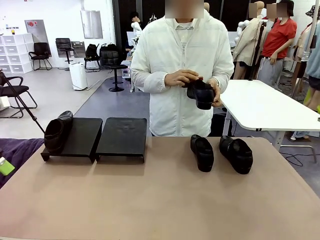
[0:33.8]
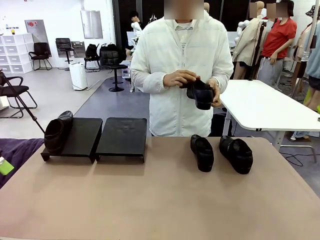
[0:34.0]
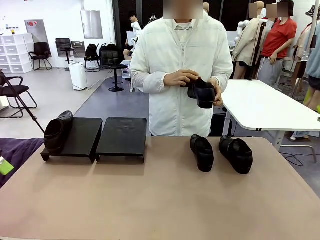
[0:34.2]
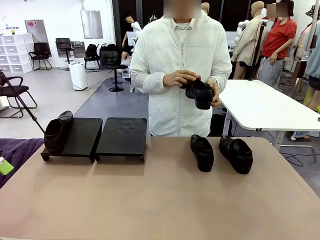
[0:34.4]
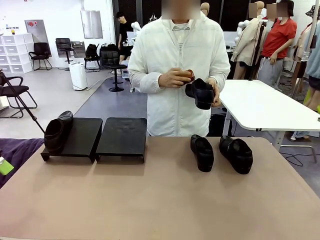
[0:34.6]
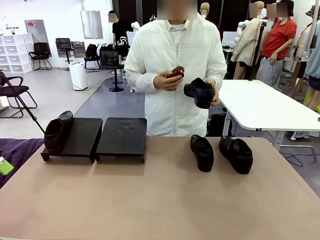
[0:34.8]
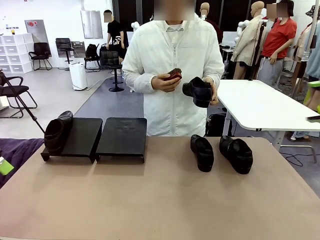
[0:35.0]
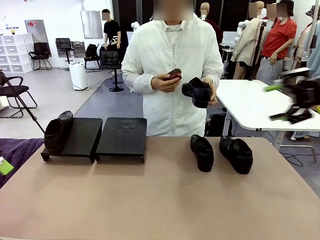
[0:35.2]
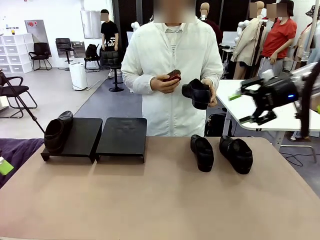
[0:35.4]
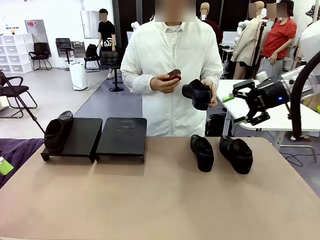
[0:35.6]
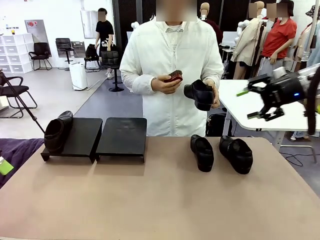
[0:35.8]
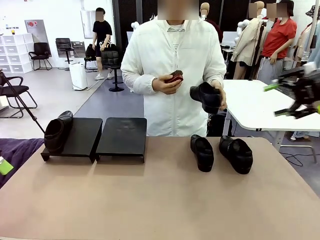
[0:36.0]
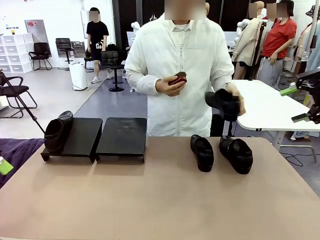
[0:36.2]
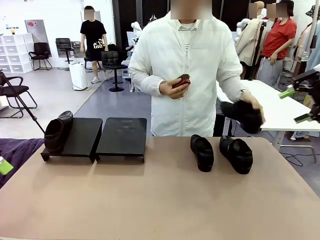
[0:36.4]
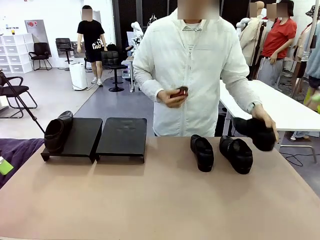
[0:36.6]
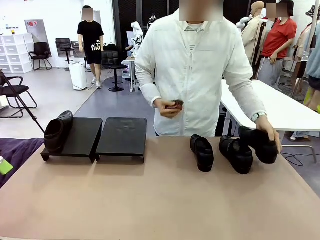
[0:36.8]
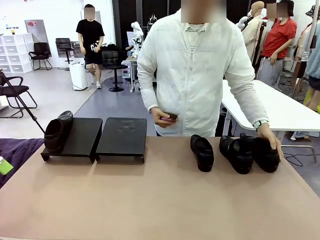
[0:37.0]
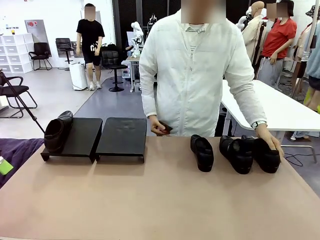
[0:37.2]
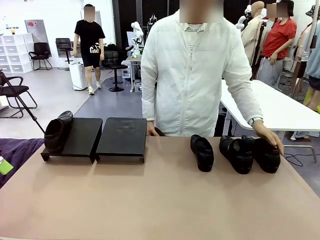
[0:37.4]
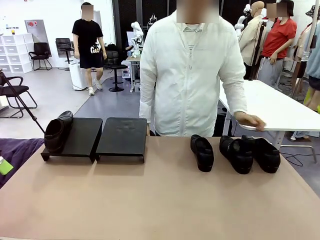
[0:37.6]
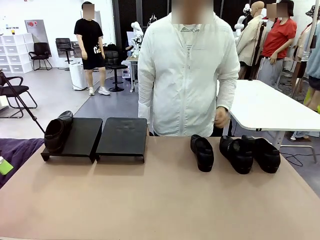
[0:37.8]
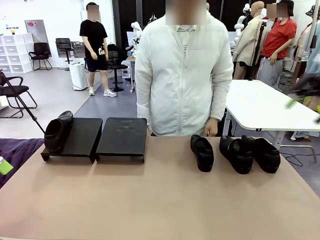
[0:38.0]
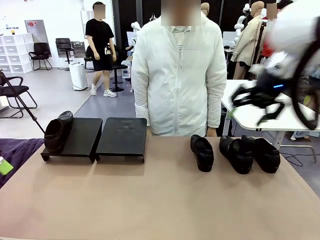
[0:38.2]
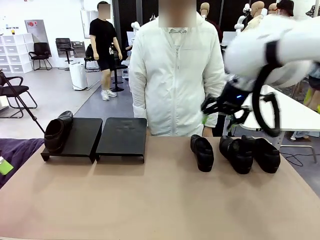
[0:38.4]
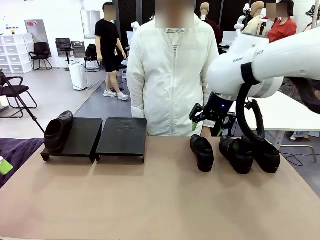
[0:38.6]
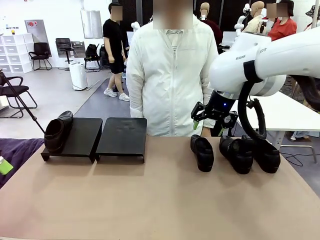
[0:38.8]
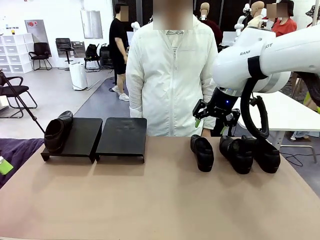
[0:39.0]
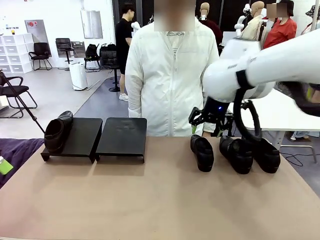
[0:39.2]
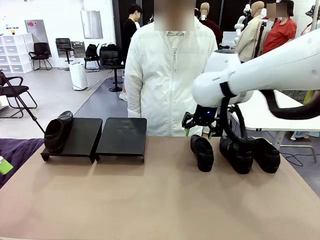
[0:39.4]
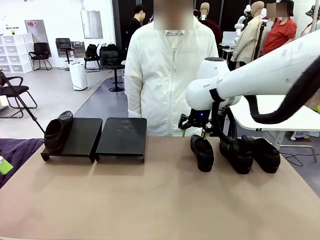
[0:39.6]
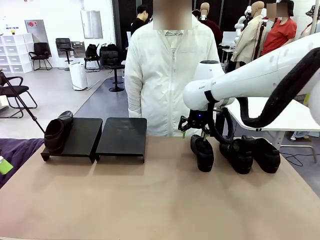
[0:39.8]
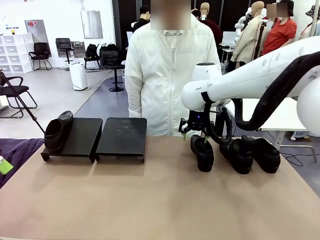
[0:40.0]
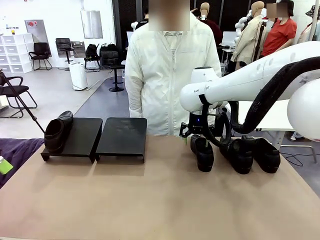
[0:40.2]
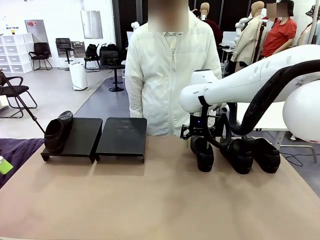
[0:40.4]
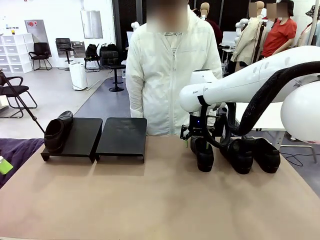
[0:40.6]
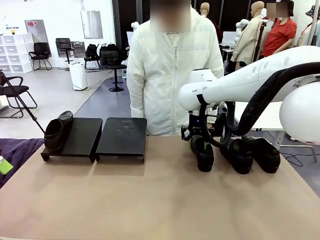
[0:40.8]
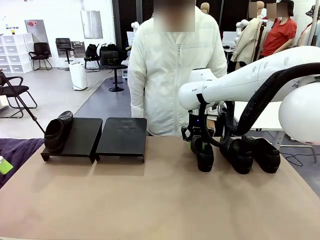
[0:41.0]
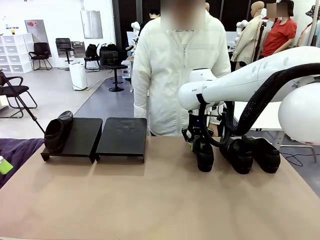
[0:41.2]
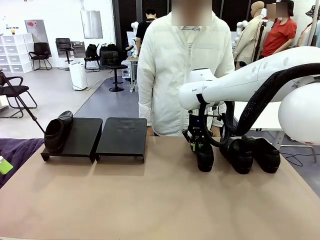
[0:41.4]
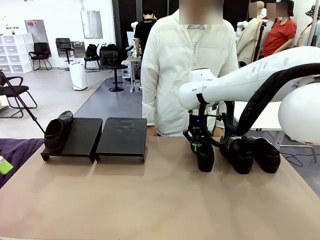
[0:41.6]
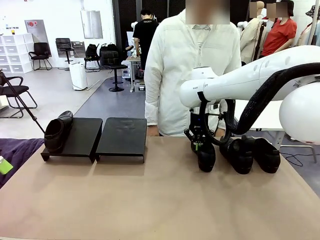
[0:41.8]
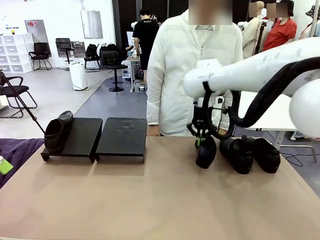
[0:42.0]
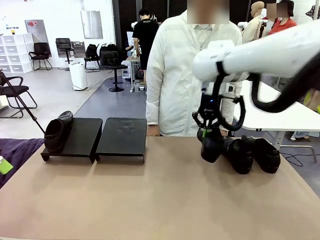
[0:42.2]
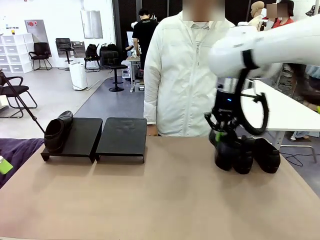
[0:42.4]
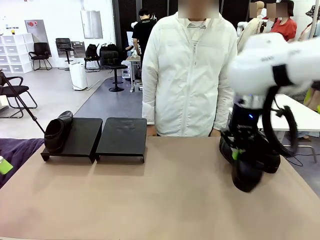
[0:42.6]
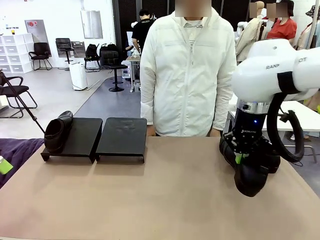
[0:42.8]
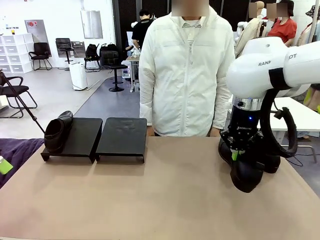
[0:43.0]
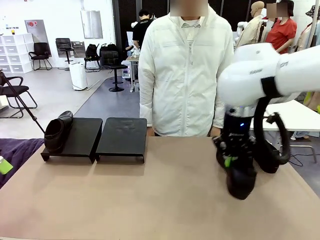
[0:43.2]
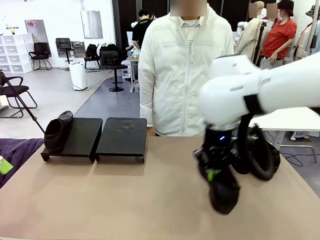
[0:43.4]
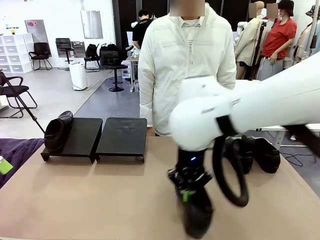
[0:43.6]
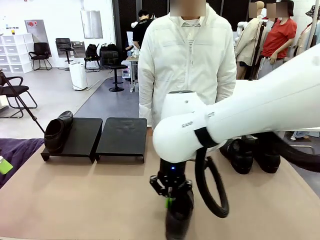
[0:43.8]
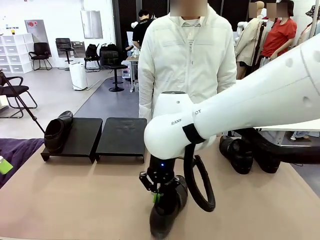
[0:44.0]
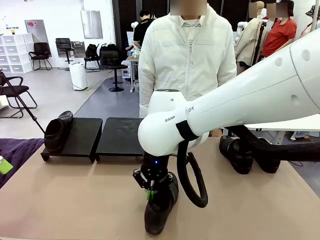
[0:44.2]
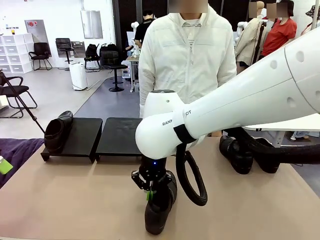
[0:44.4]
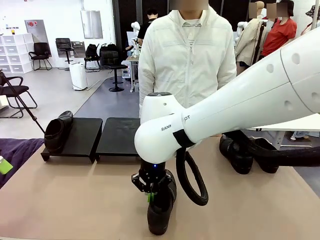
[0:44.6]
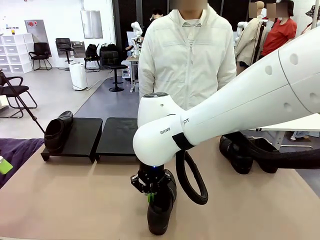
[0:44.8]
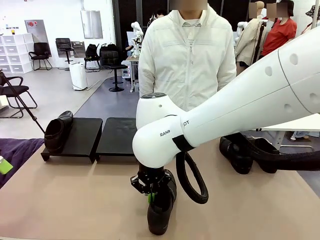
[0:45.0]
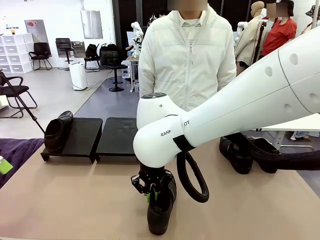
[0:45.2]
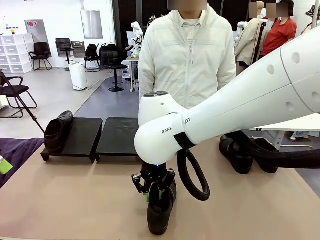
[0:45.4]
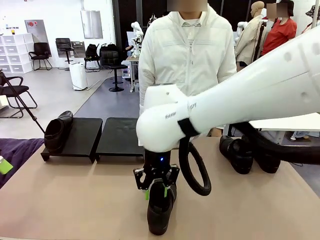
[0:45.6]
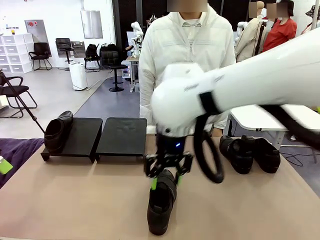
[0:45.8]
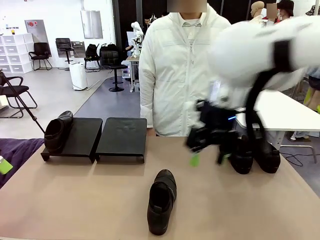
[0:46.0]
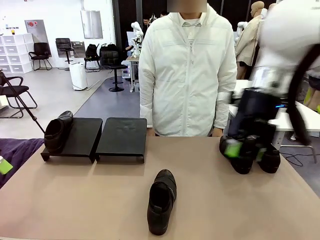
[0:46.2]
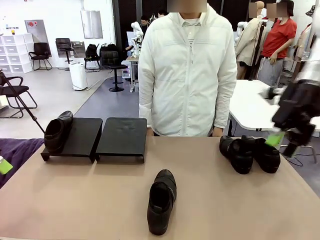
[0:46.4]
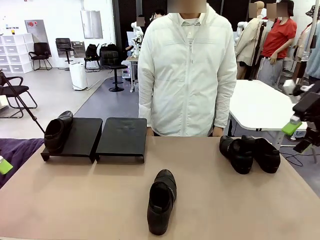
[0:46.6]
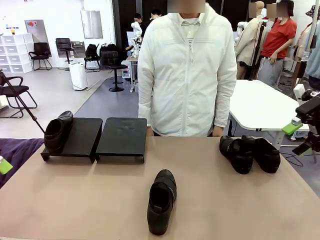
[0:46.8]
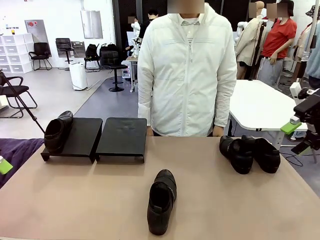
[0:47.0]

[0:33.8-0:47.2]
Task: Organize the shoes by placing them on the stand.
Robot: Pick up one Shoe and place it in the middle of the table.

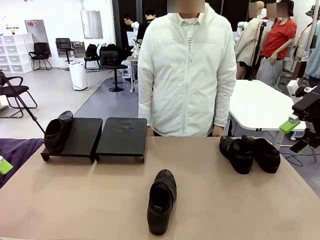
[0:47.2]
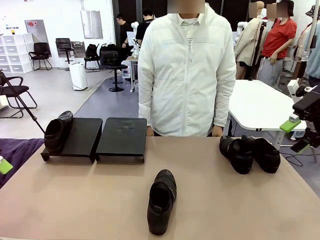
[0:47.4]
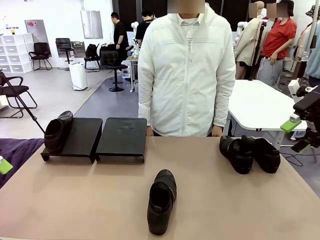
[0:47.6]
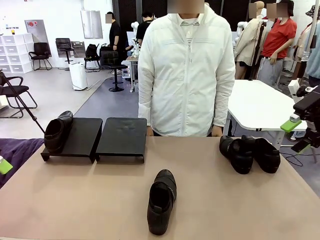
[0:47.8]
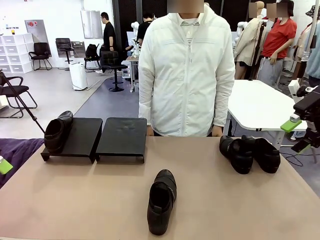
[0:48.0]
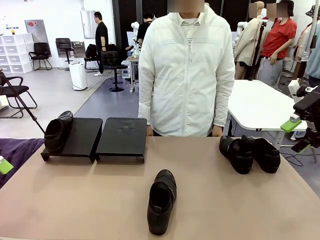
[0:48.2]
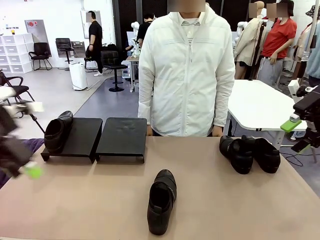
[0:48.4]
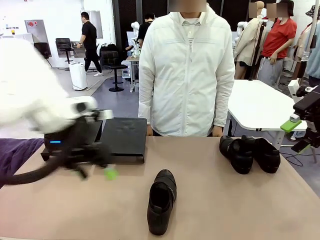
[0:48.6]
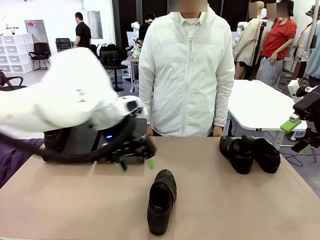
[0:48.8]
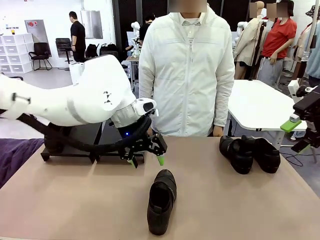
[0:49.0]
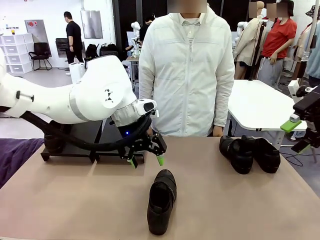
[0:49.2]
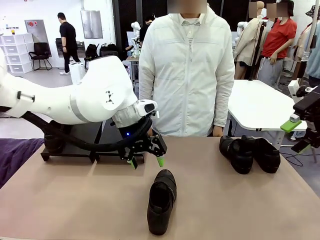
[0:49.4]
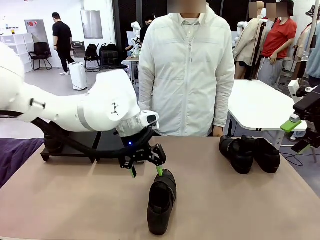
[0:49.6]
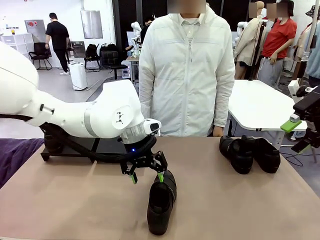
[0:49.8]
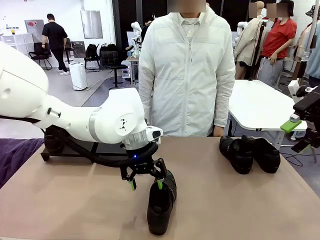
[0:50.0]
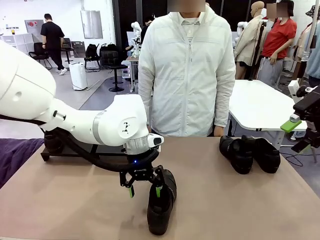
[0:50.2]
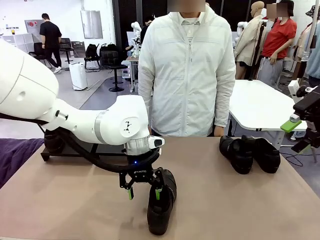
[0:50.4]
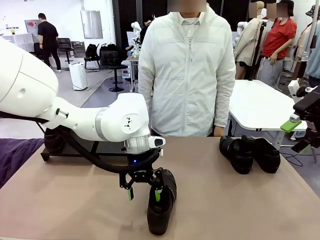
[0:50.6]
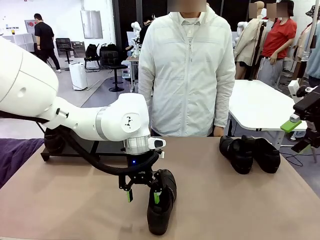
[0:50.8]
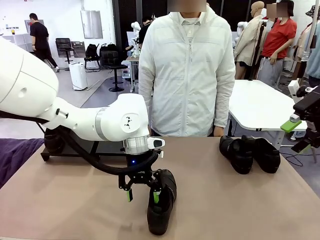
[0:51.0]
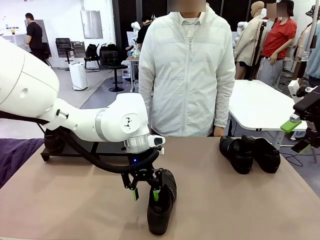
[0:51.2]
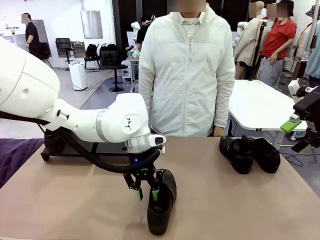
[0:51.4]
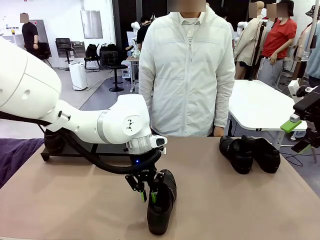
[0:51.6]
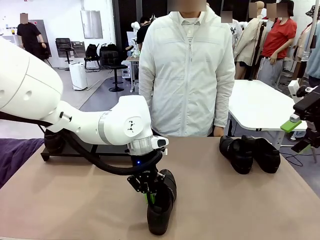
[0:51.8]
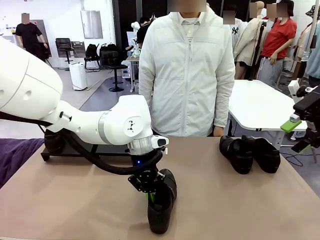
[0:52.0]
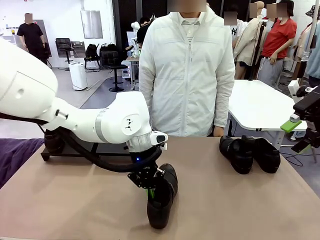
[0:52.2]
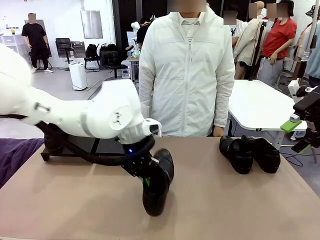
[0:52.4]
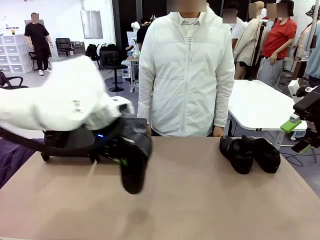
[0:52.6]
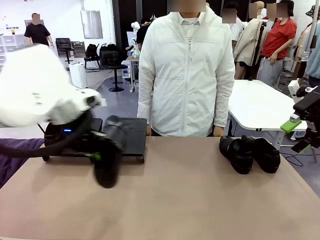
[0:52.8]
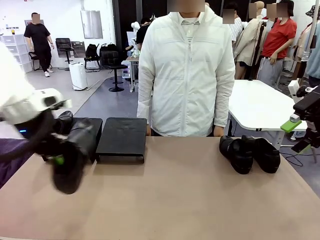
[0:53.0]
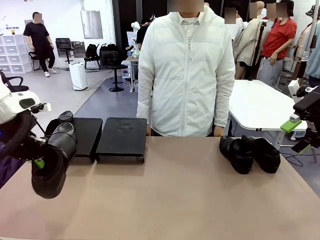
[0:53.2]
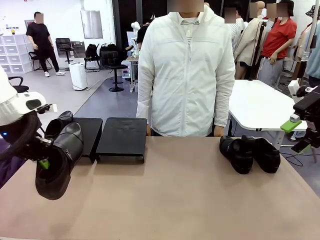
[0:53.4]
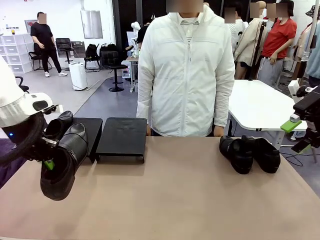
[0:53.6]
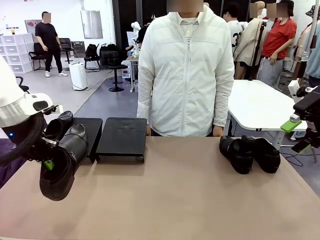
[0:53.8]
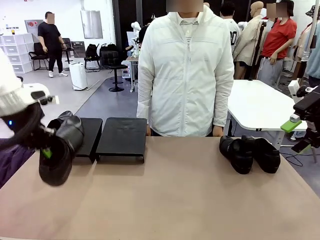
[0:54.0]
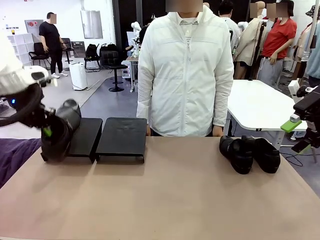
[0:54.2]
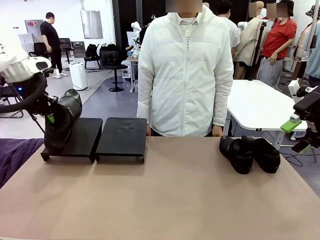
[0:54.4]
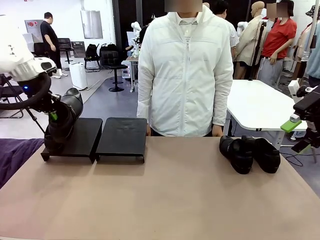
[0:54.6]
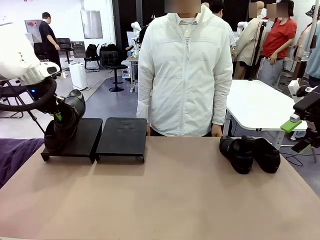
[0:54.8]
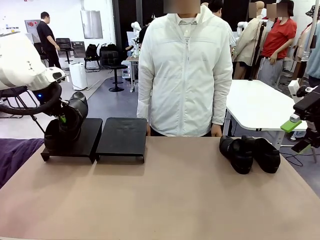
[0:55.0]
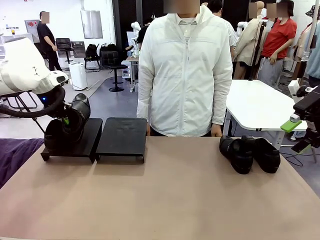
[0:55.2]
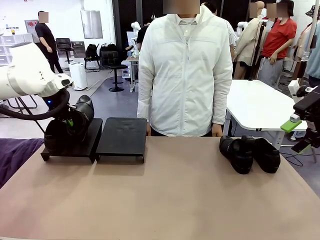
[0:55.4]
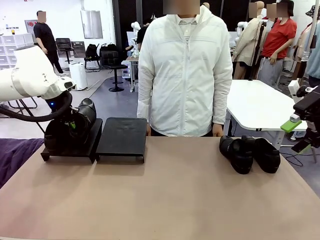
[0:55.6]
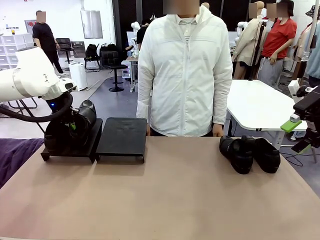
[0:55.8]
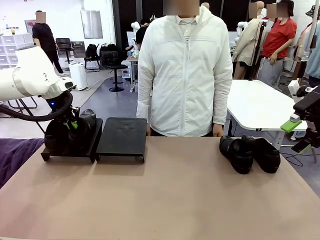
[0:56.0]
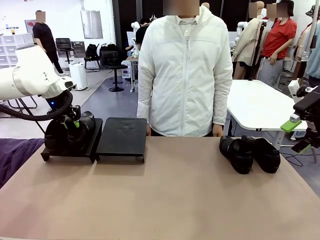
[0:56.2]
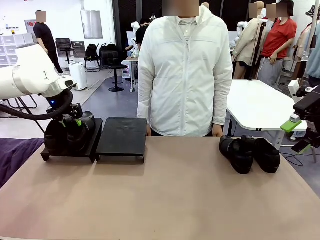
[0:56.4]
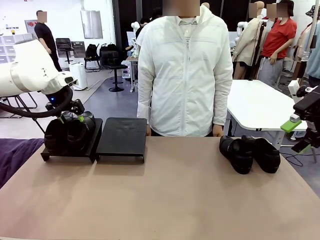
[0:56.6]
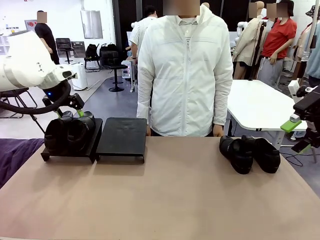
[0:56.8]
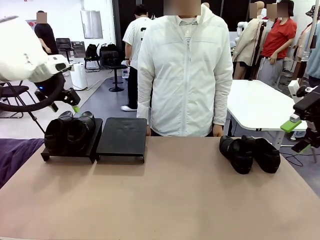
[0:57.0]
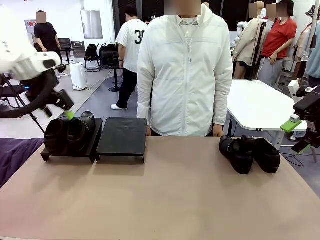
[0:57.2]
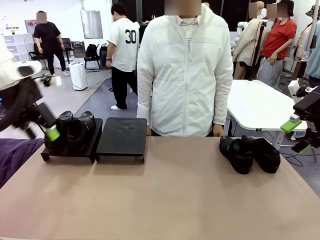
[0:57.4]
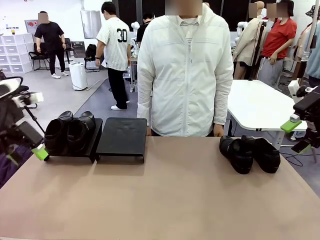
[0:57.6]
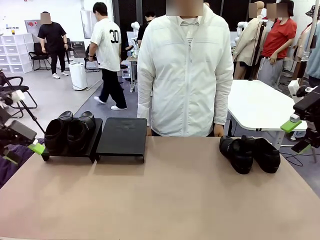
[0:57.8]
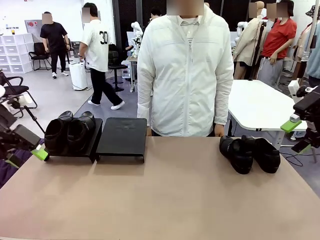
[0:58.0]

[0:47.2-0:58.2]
Robot: Place the Shoe from the middle of the table onto the Shoes Stand.
